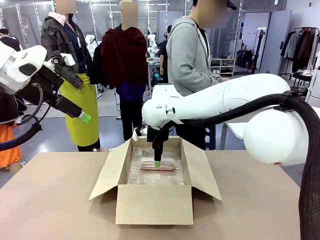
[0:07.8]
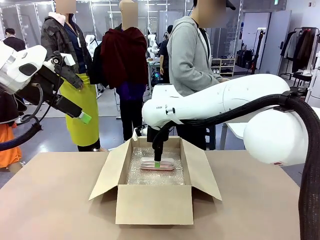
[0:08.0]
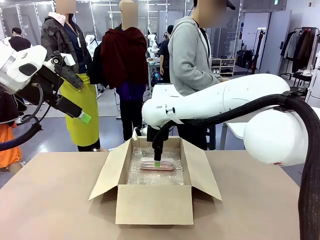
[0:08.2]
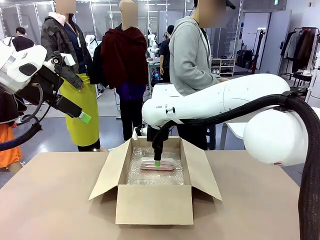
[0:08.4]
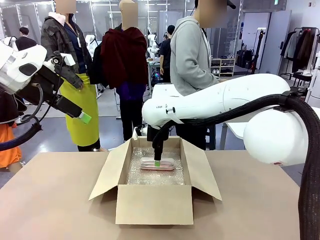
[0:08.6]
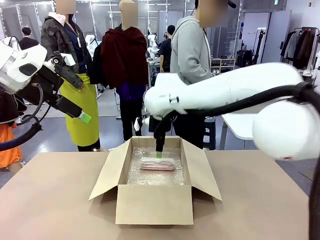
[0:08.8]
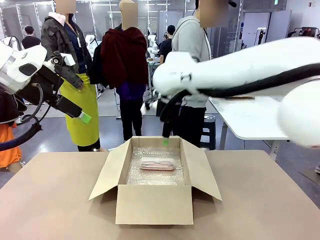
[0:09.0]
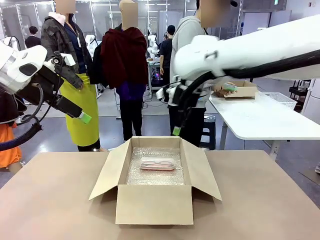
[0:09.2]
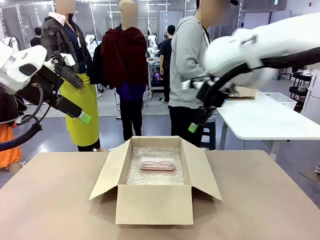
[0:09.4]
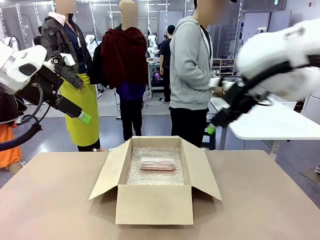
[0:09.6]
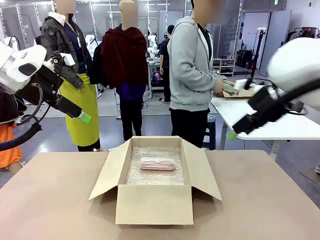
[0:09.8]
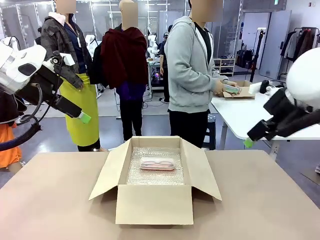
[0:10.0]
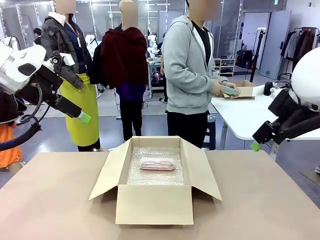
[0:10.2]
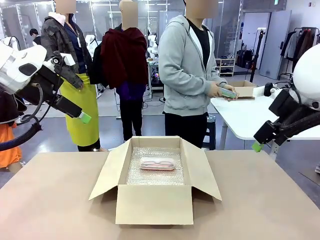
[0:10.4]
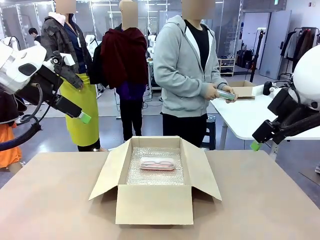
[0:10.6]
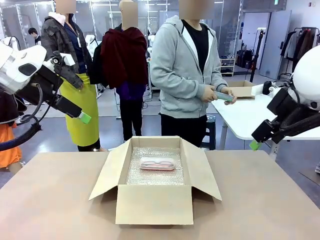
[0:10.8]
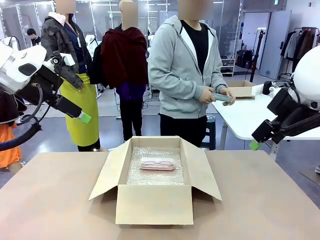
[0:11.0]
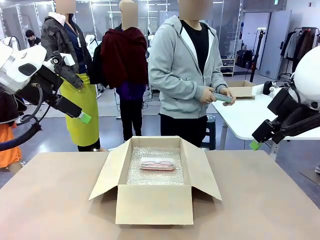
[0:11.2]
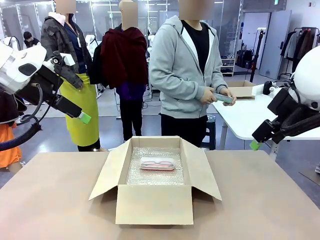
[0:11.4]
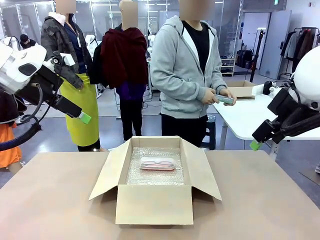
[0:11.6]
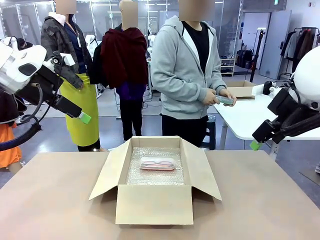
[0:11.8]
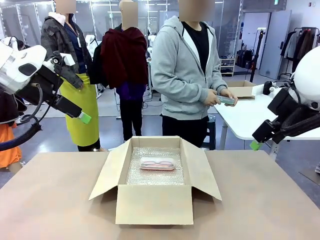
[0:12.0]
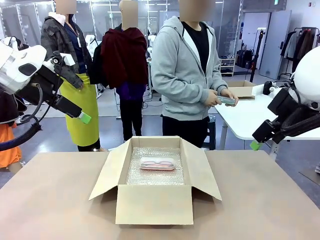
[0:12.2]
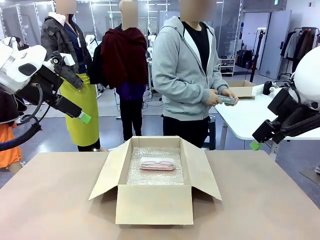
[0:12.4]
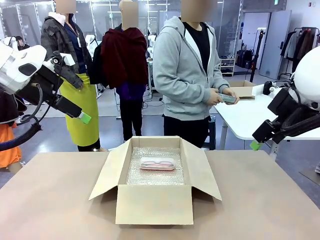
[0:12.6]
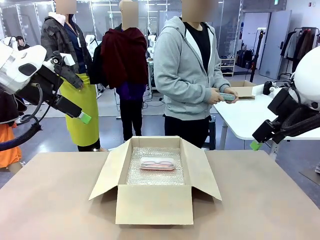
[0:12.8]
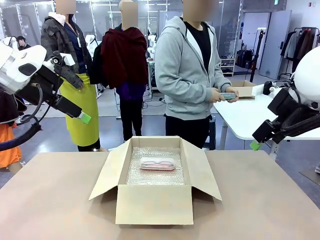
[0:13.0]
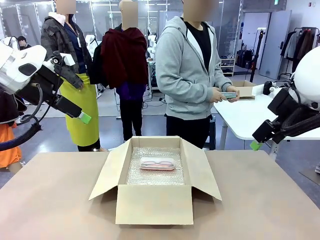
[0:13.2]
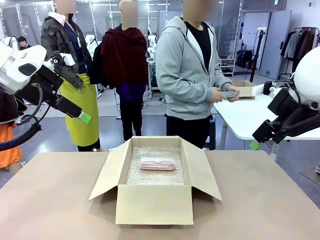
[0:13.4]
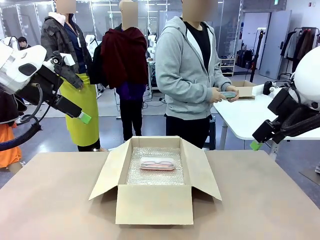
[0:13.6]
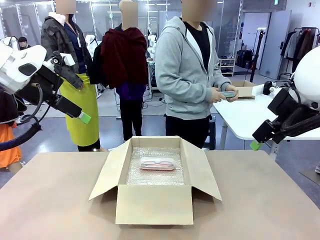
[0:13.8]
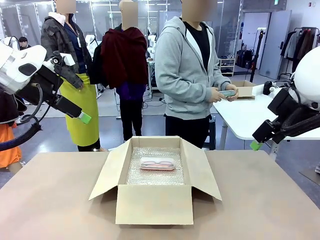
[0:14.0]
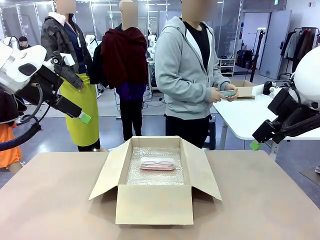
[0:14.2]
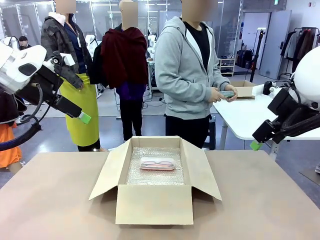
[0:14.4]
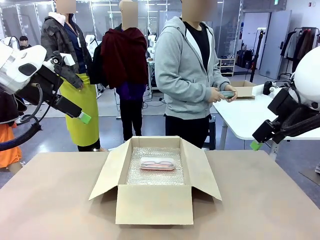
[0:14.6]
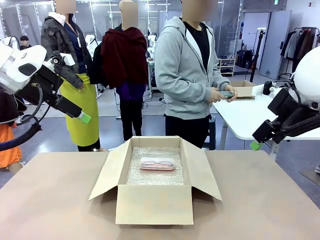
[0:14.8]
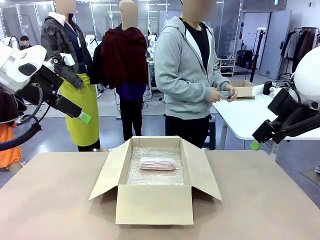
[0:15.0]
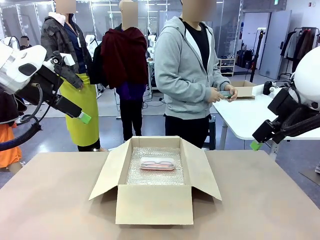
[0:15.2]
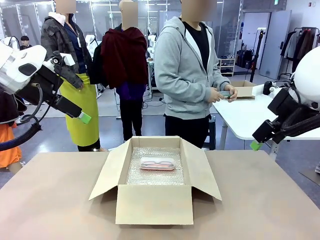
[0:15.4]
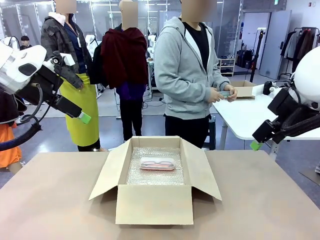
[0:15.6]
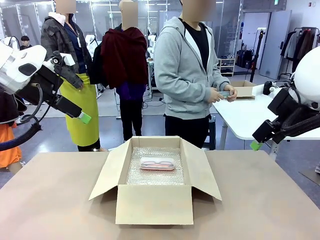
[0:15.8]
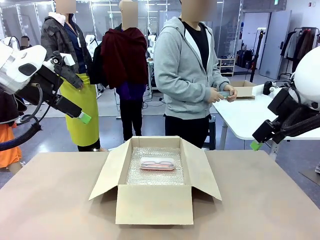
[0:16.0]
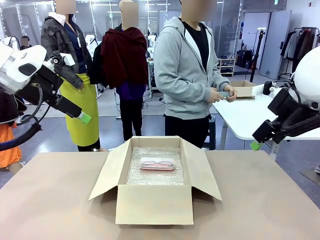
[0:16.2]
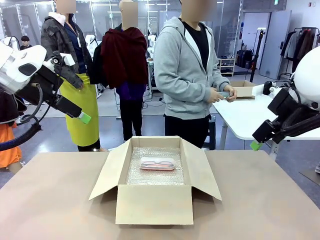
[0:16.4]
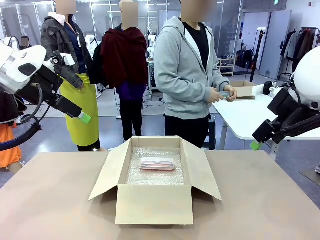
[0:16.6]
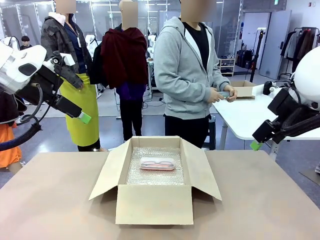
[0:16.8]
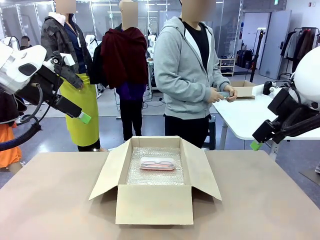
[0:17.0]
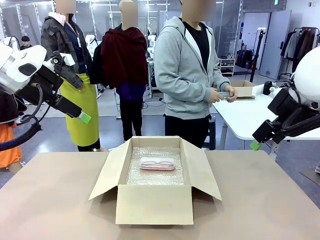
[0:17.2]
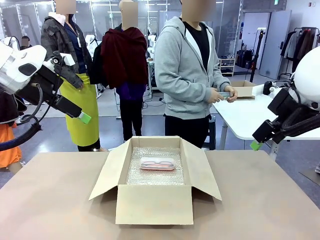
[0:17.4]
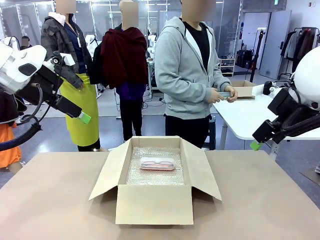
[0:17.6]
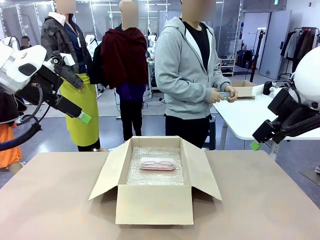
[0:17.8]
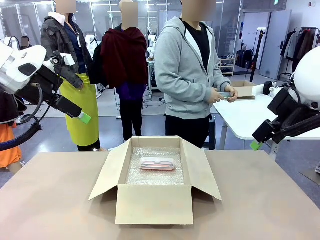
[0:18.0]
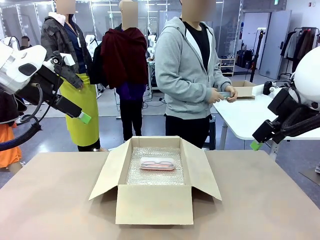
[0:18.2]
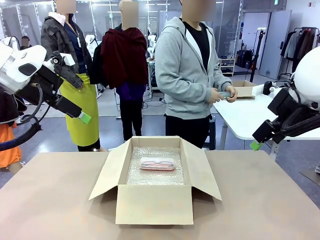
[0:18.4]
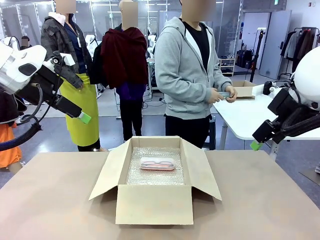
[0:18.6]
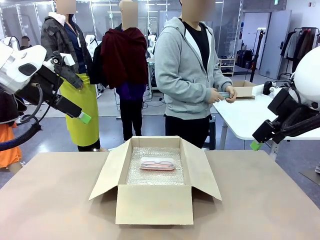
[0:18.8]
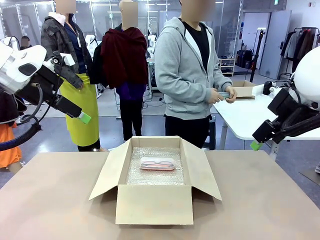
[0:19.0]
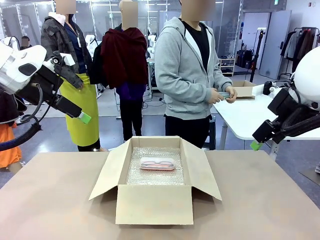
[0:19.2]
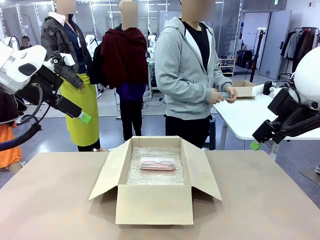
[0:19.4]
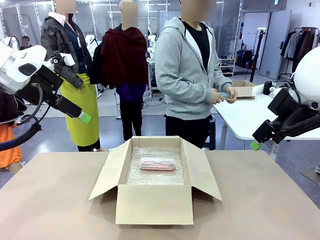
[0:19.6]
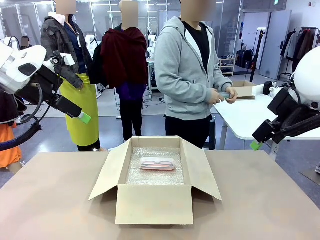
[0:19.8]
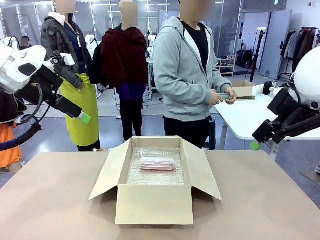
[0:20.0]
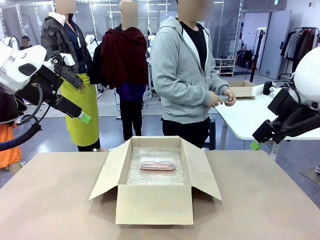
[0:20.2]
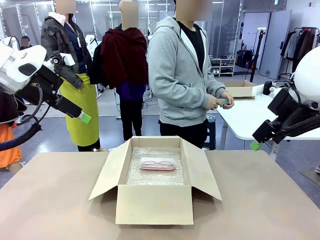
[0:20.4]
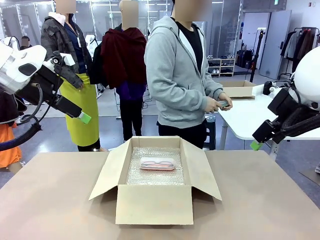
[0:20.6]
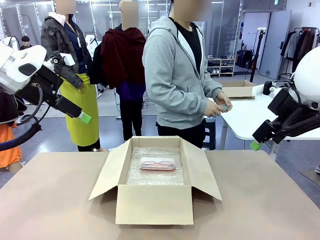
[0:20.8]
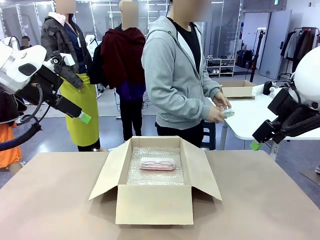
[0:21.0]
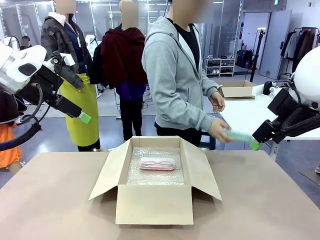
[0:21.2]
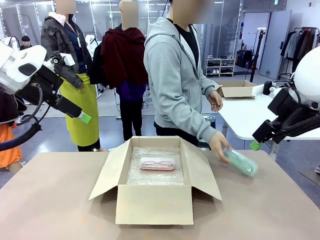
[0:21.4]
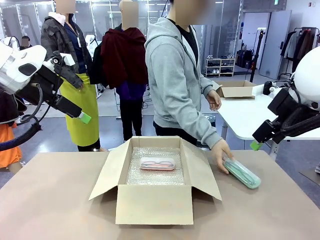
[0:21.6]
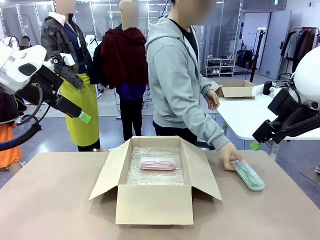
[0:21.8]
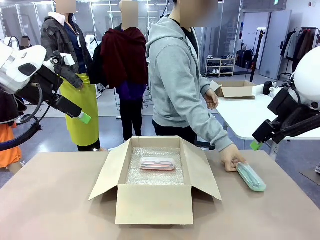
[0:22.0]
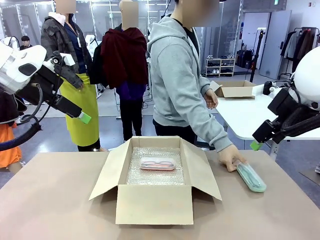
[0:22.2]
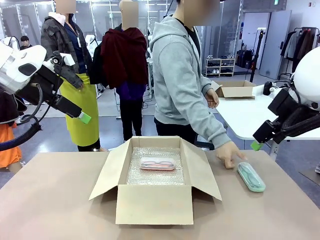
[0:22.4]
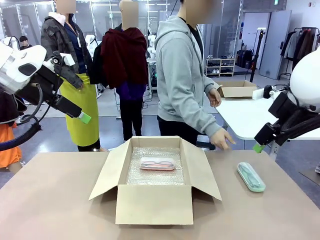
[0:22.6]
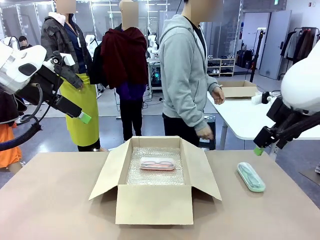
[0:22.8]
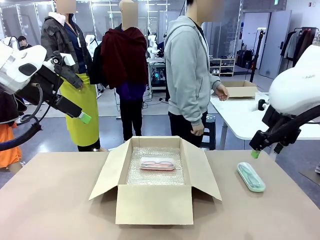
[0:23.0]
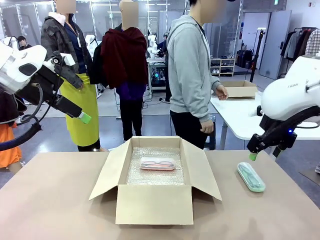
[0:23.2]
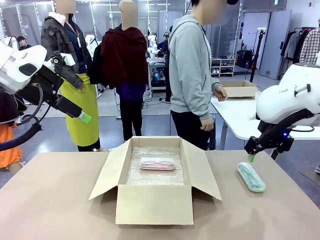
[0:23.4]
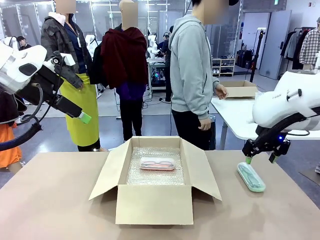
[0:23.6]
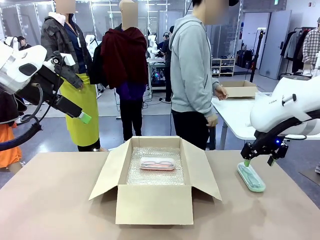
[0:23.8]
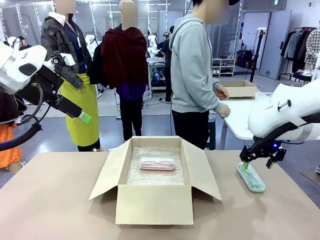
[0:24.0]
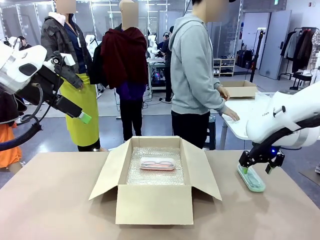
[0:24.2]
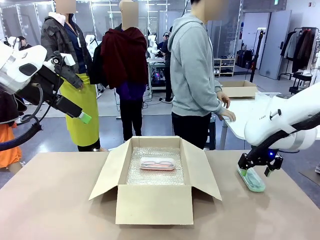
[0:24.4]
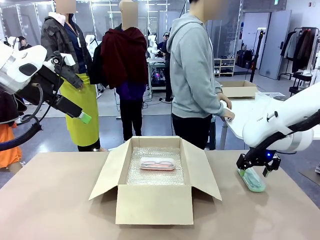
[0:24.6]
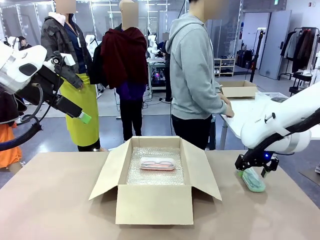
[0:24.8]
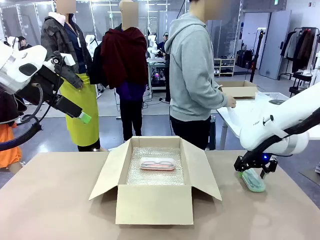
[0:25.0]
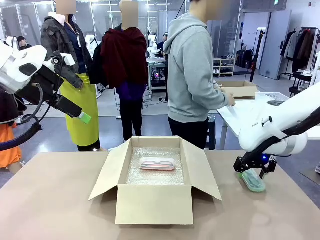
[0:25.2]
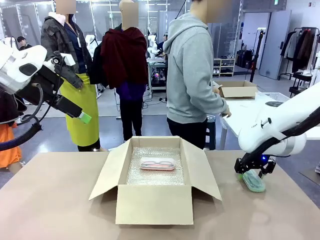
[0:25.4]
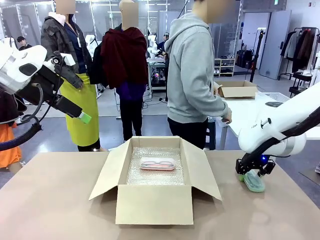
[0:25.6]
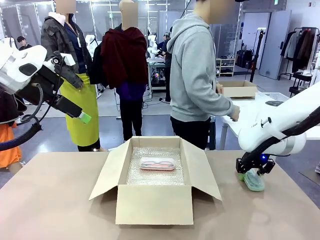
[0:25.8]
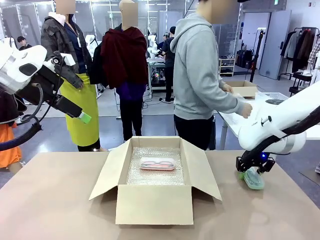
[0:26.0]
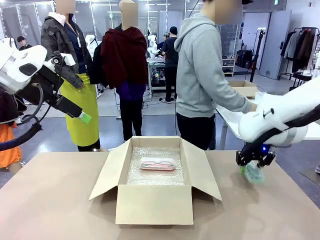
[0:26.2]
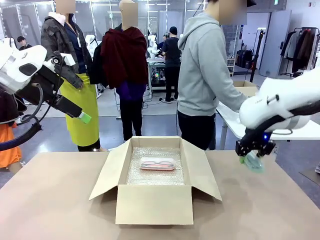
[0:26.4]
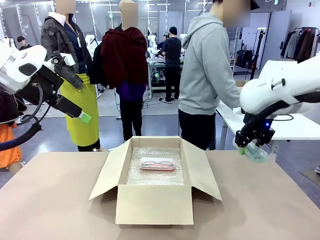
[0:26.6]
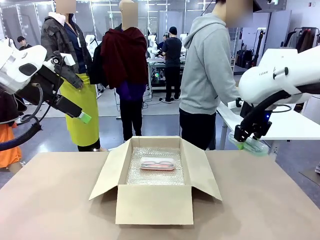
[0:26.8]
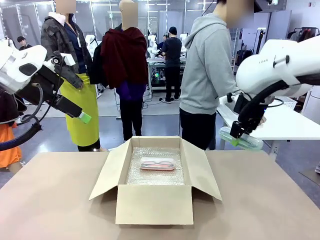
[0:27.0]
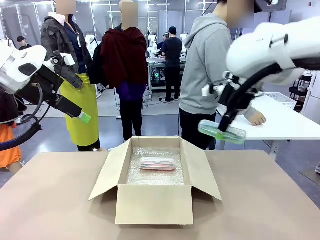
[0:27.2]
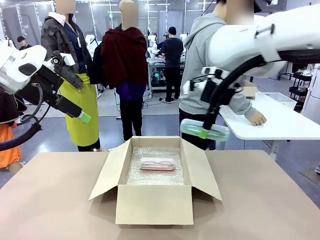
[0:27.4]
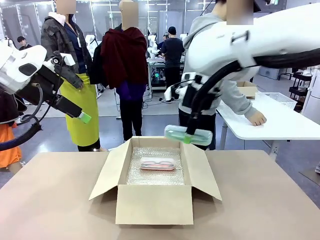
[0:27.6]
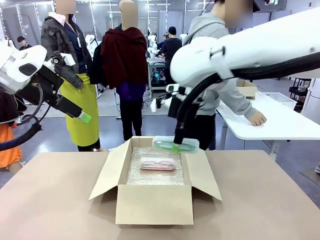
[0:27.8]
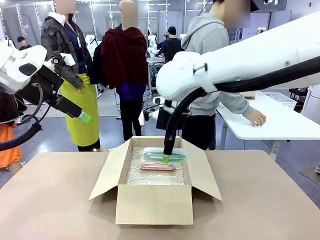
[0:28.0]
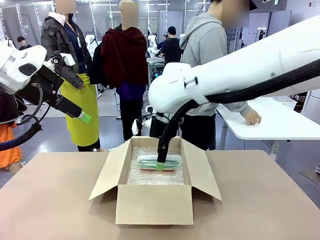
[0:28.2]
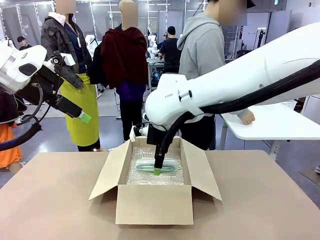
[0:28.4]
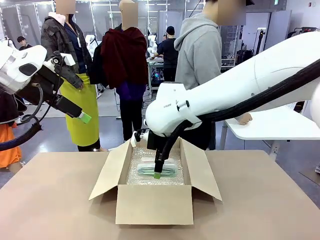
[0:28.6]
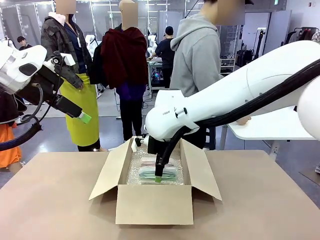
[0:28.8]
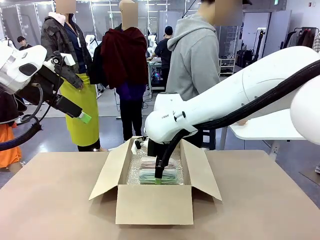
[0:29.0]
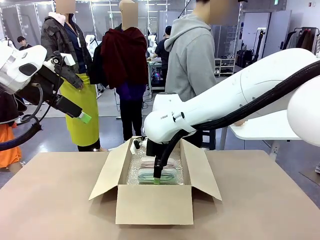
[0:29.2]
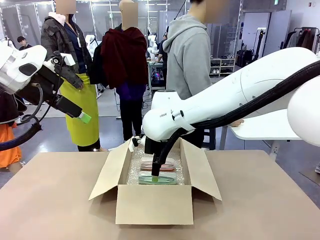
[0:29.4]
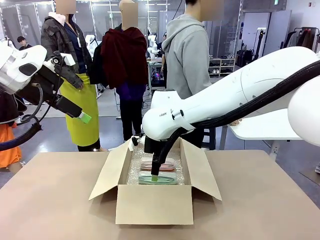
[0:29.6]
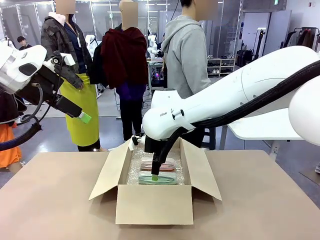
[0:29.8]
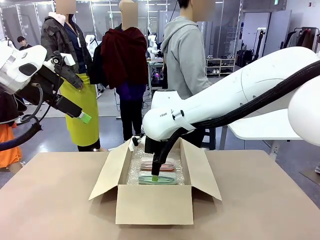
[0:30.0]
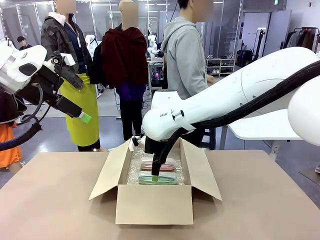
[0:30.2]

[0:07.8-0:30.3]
Task: Pack the glasses set securely to prepare it for shipping.
Robot: Put the Glasses case from the right side of the table into the Package Box.
Person: Position the Glasses case on the left side of the robot's table.
